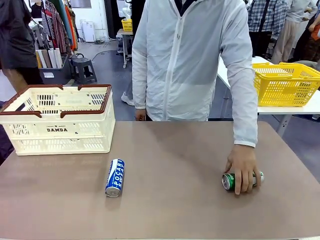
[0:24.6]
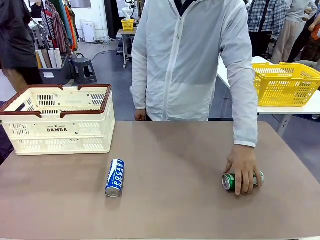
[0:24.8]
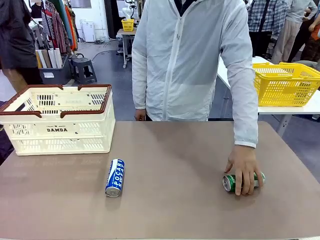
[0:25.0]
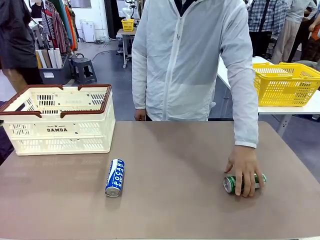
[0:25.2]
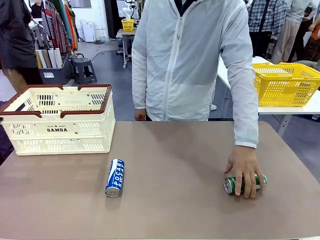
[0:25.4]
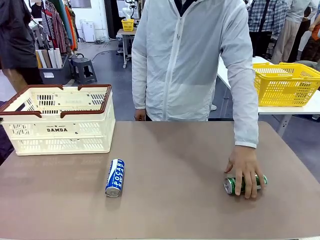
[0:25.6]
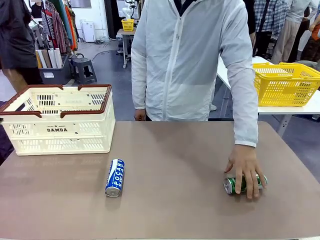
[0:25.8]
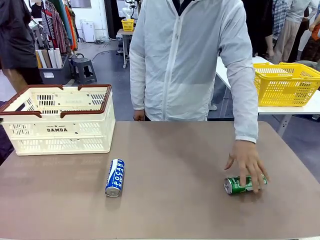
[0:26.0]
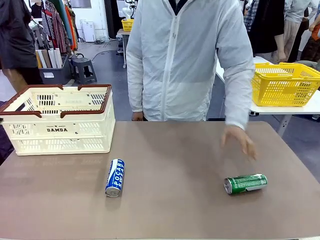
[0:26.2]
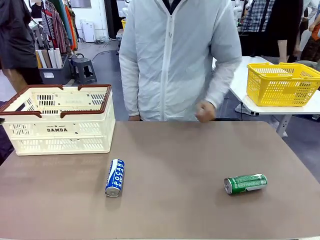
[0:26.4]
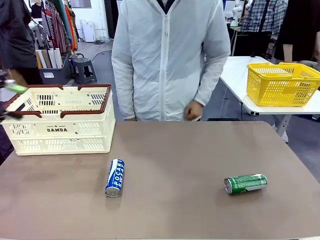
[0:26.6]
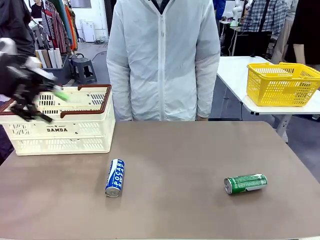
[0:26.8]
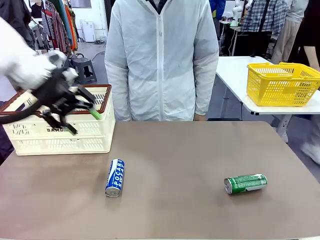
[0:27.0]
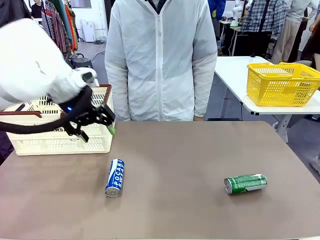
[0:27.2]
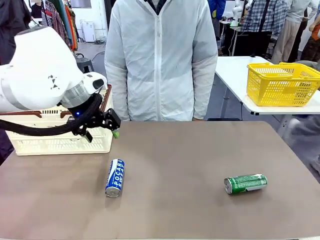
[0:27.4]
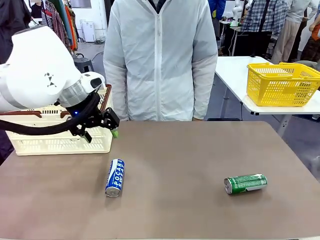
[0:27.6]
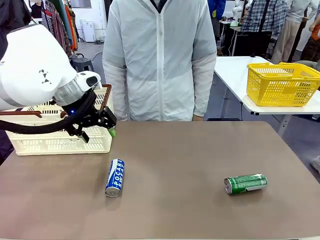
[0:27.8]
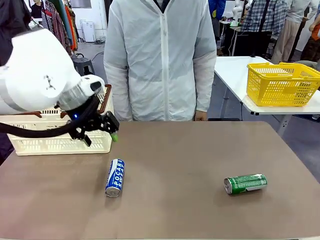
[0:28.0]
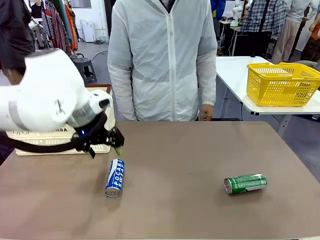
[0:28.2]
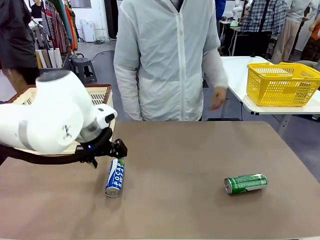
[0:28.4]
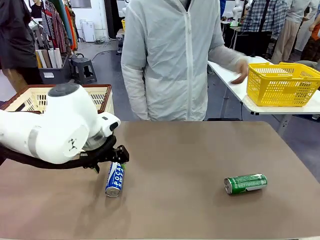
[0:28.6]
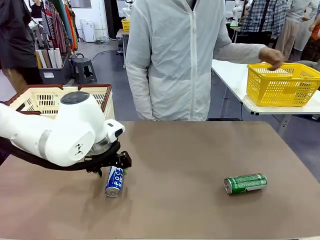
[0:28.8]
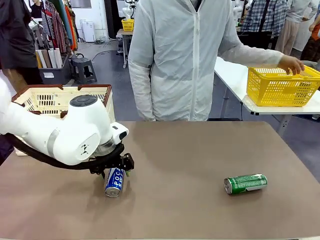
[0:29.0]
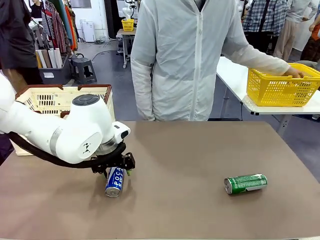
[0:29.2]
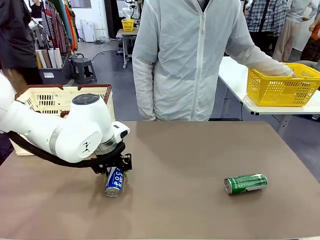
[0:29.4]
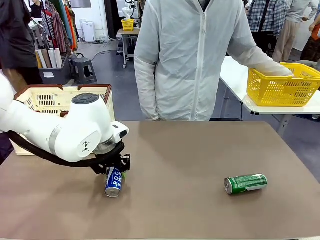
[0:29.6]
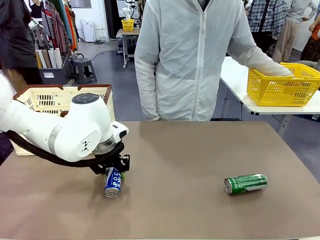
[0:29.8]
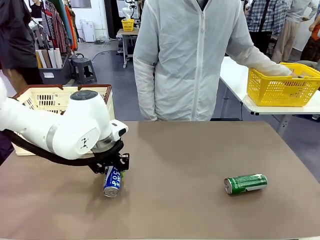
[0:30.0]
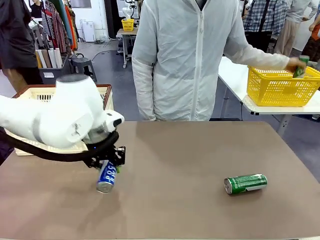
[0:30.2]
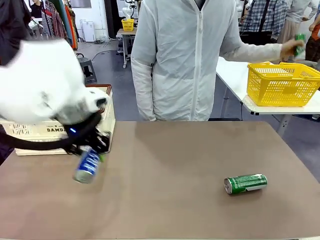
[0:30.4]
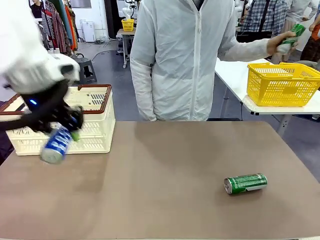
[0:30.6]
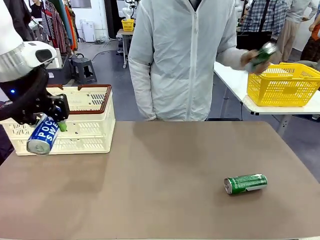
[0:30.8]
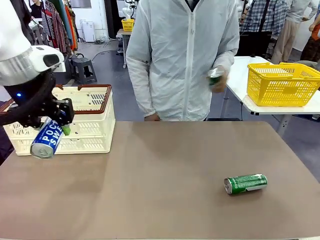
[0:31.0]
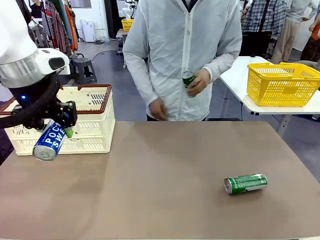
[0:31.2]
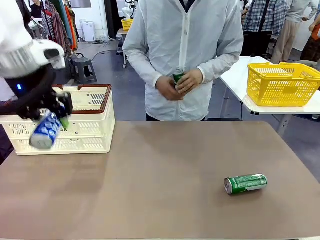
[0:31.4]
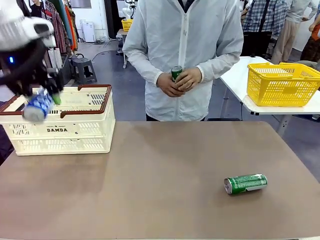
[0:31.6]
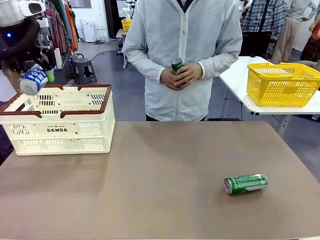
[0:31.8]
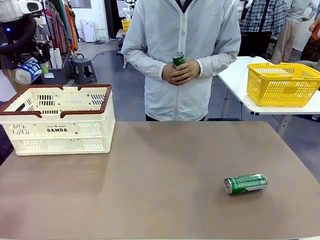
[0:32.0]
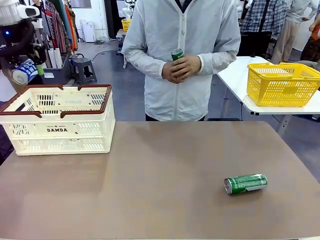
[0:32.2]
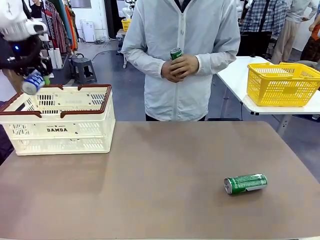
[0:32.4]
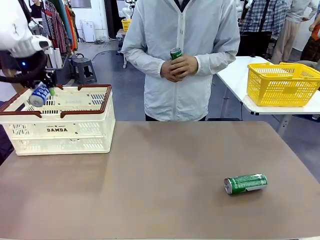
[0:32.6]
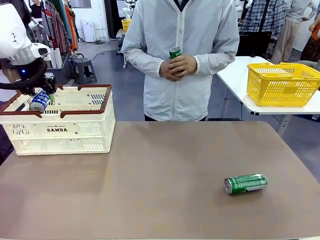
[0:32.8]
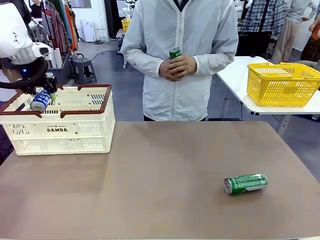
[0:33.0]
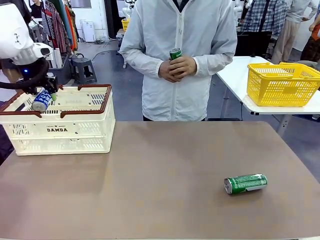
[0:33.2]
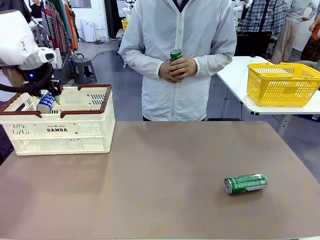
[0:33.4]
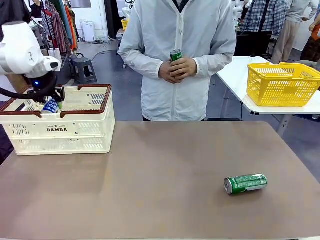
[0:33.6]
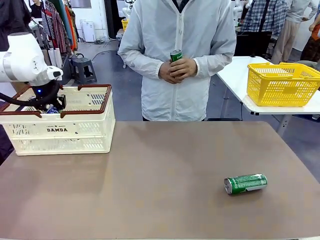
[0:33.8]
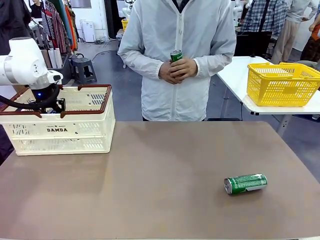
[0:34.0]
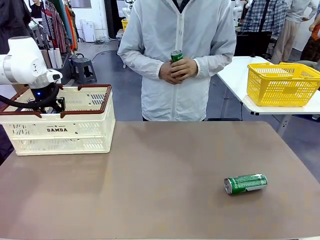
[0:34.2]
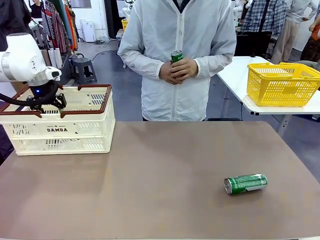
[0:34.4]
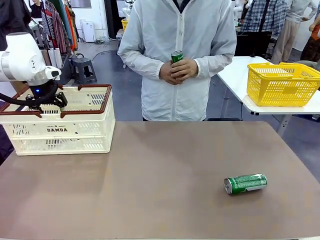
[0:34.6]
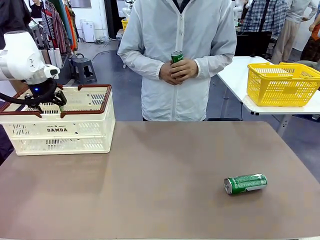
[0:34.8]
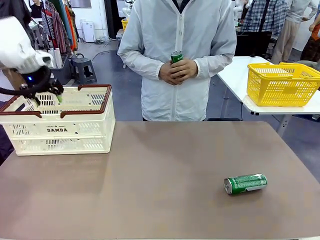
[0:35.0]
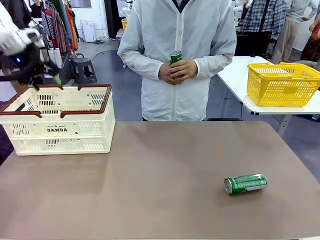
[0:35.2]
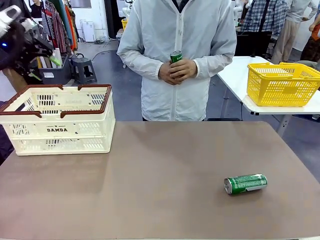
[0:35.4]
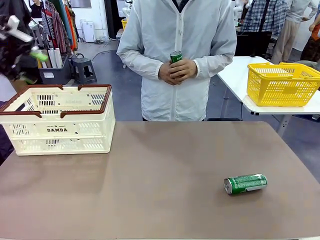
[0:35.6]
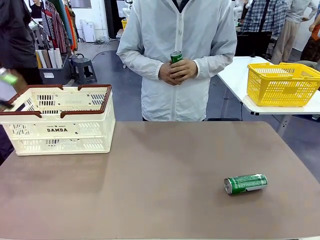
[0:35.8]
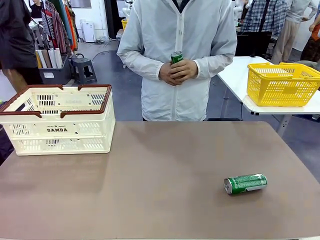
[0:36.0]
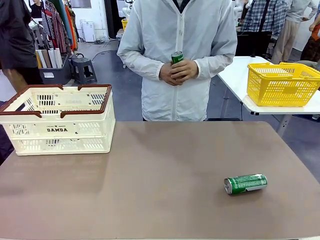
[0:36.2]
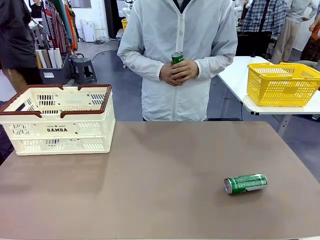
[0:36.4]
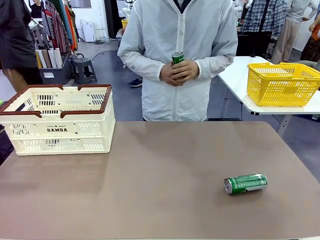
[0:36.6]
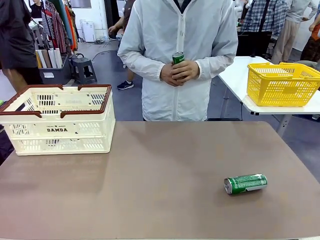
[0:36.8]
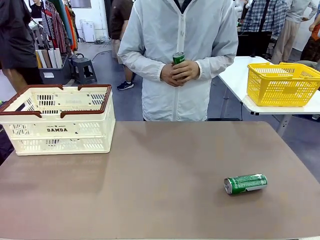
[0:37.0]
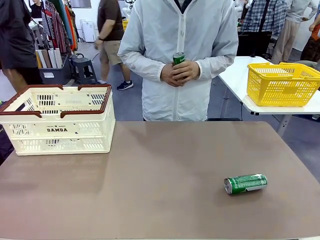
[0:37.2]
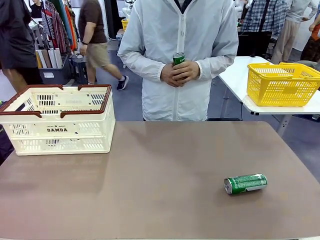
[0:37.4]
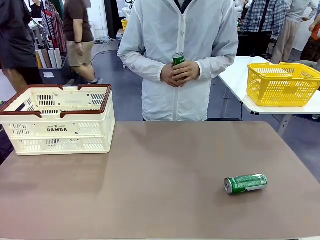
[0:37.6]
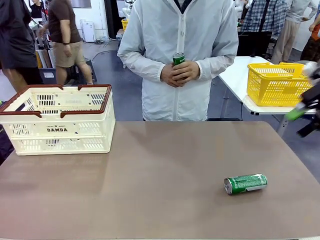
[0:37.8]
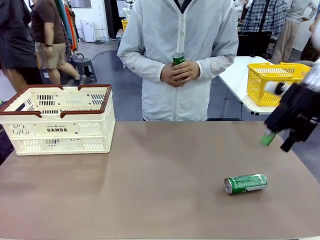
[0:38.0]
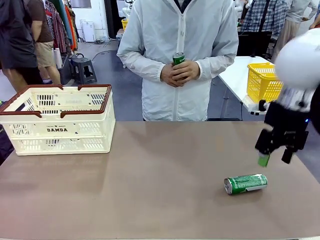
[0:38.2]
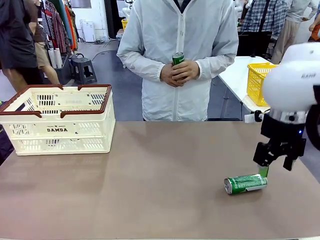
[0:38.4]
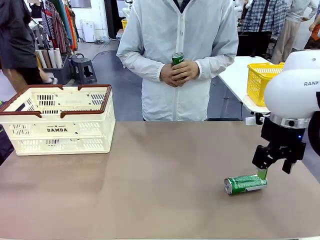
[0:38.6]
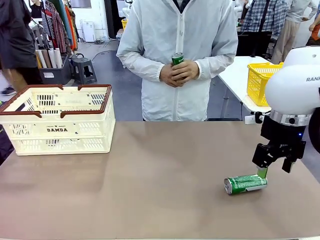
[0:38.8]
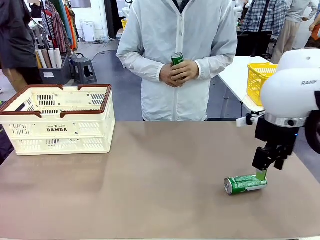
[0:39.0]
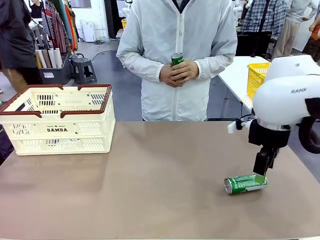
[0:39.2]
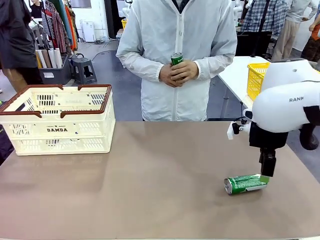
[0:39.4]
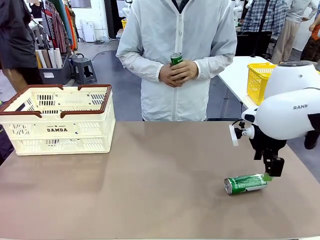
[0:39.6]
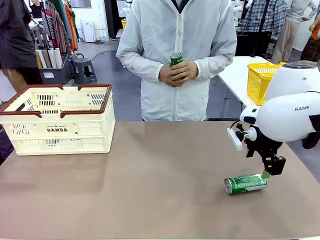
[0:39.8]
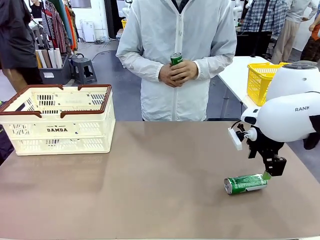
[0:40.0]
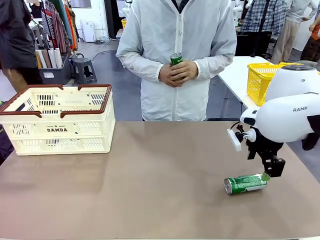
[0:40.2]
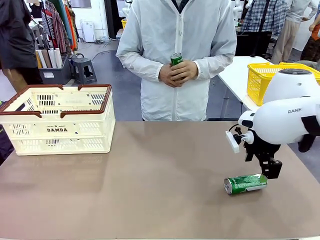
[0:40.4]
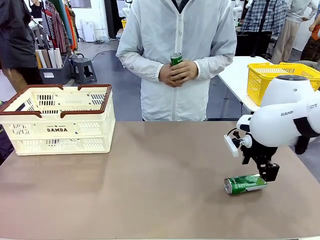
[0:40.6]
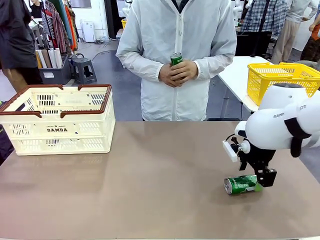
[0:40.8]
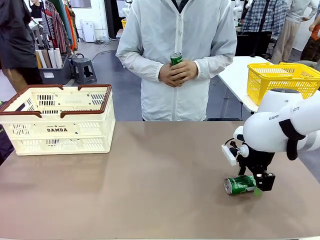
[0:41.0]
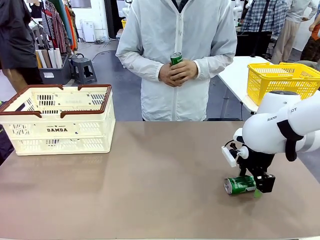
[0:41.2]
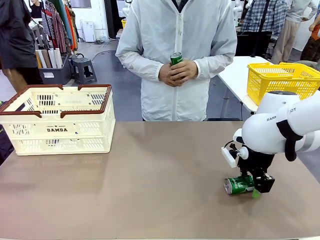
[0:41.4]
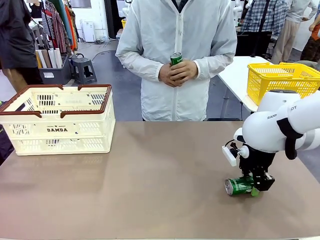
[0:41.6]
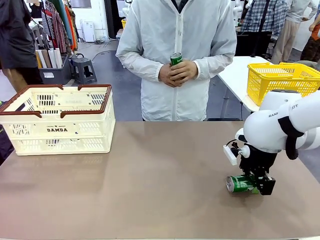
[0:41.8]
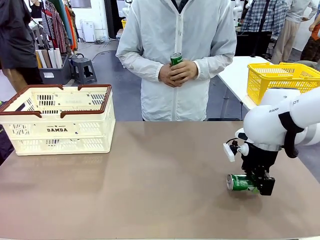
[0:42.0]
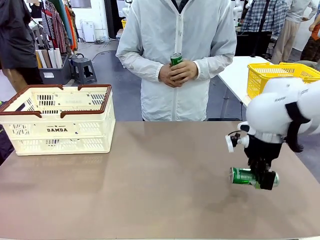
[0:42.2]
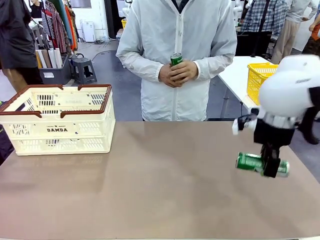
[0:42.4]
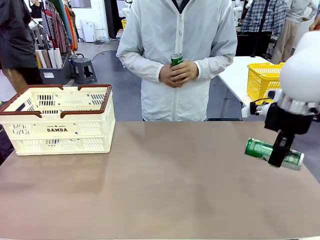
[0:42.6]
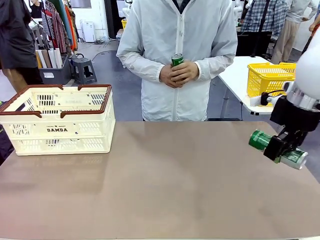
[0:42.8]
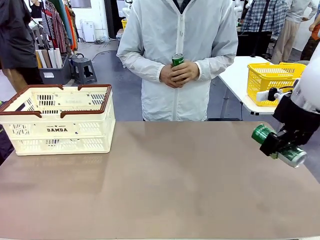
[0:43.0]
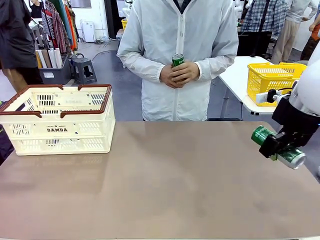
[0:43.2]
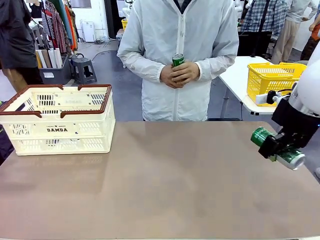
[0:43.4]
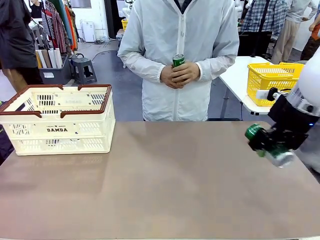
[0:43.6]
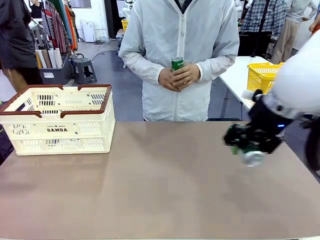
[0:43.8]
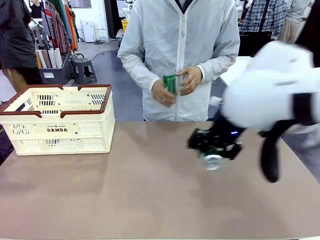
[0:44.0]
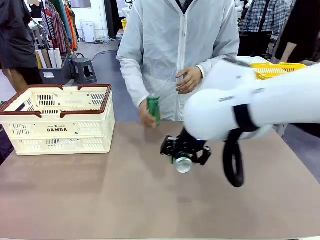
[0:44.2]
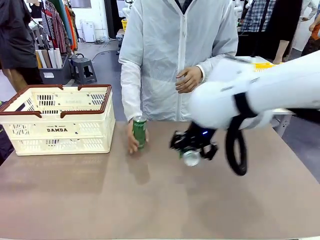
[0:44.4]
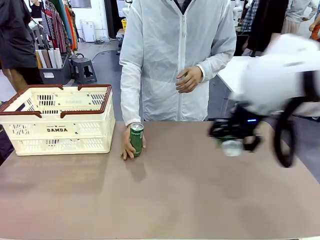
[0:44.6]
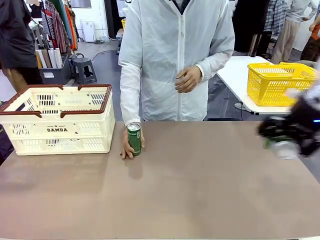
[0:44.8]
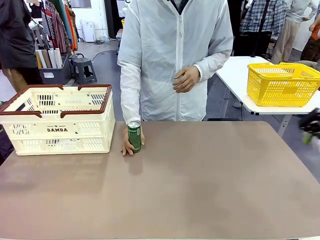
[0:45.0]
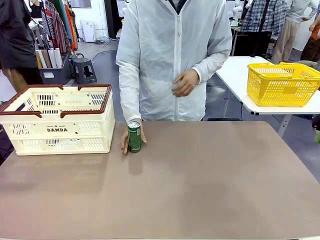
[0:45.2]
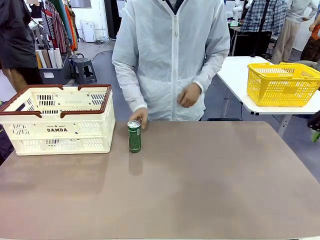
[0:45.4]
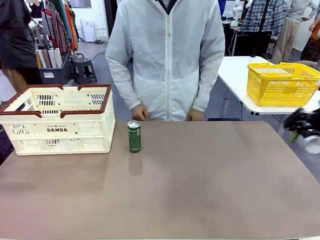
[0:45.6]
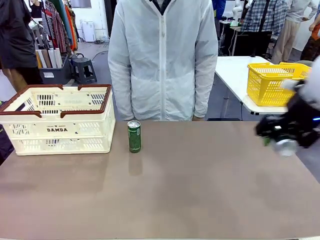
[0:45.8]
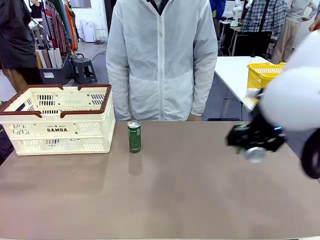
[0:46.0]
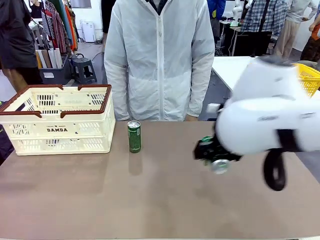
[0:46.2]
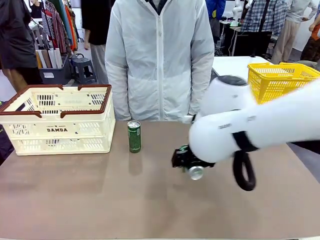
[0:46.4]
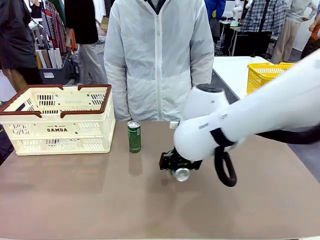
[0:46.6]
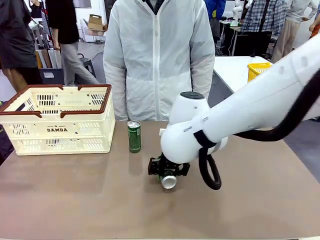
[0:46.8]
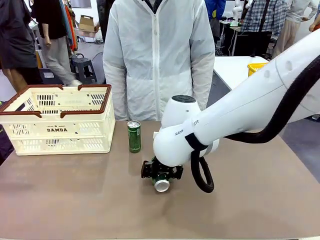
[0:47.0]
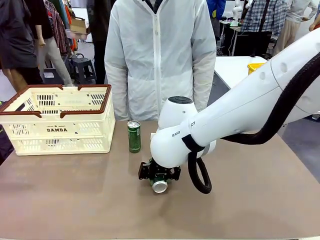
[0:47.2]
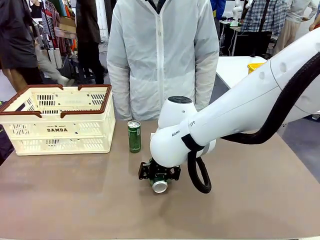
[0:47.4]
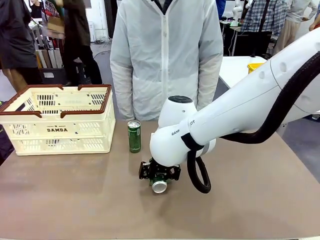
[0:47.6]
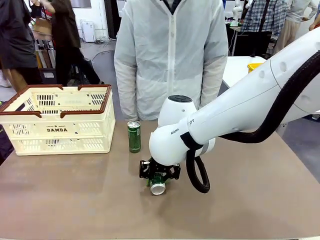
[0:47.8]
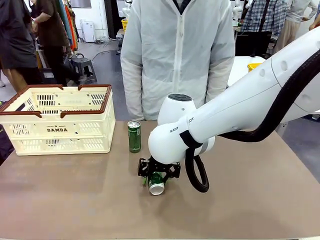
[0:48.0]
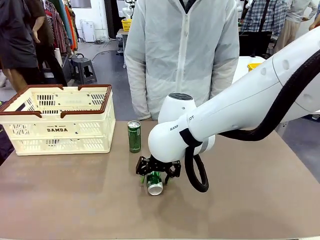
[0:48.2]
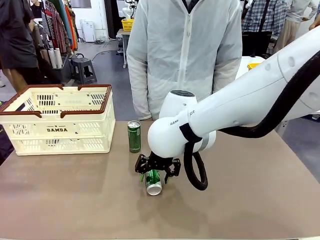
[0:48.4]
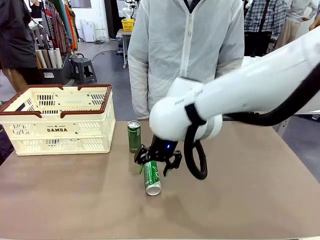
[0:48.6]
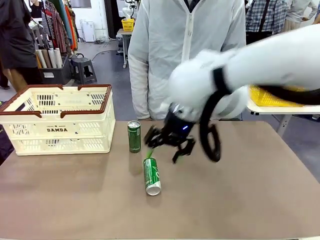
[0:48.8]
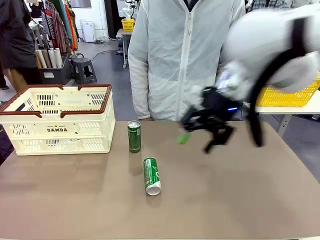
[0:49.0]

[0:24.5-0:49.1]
Task: Place the drinks into the Shopping basket.
Robot: Pick up one drink and place it into the Shopping basket.
